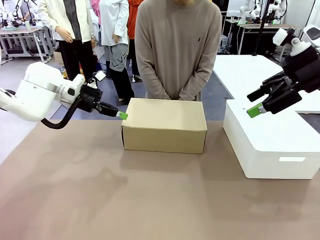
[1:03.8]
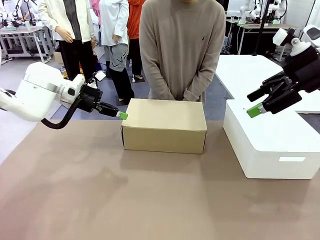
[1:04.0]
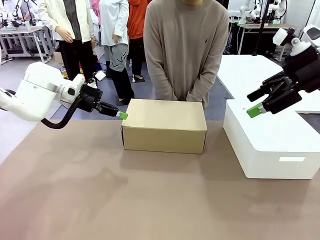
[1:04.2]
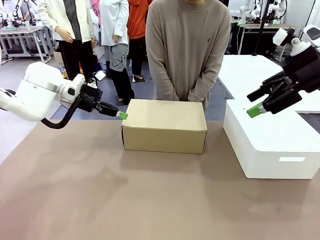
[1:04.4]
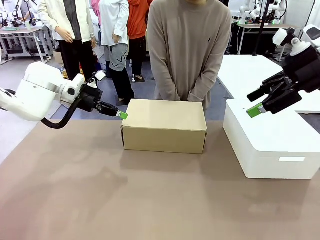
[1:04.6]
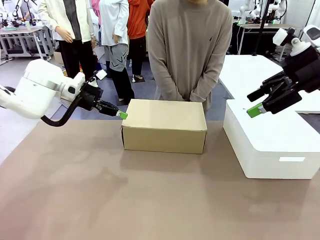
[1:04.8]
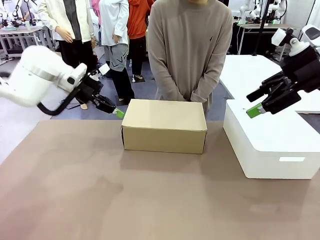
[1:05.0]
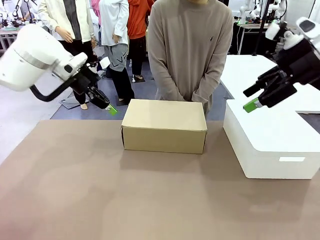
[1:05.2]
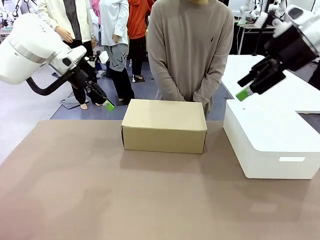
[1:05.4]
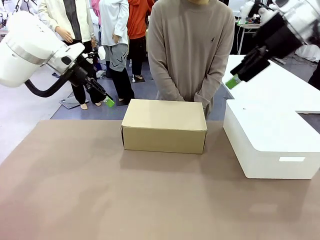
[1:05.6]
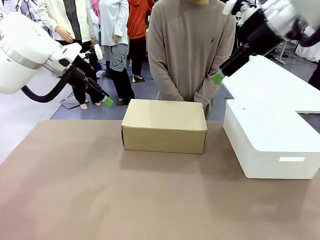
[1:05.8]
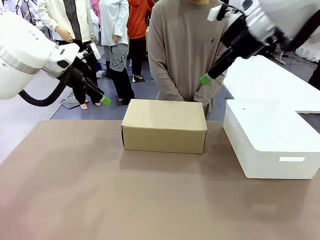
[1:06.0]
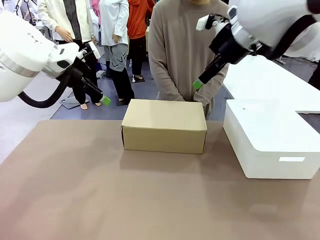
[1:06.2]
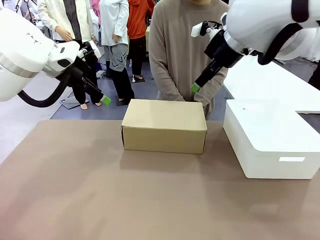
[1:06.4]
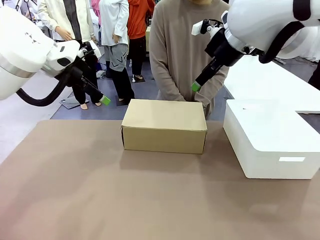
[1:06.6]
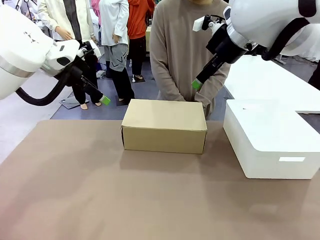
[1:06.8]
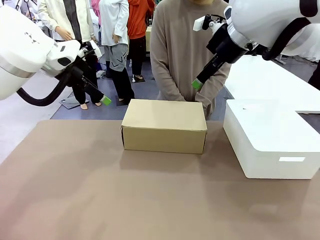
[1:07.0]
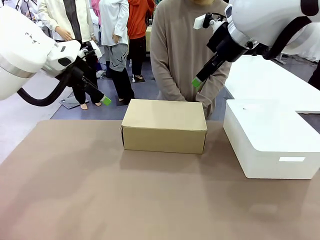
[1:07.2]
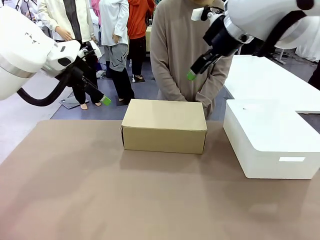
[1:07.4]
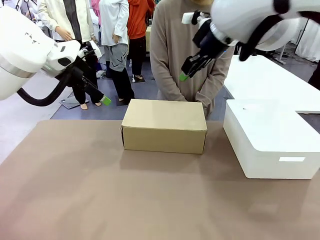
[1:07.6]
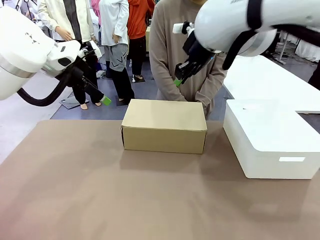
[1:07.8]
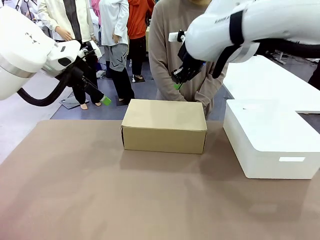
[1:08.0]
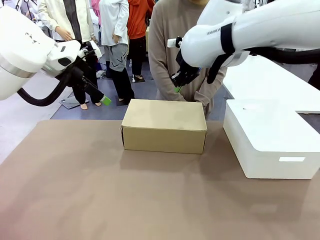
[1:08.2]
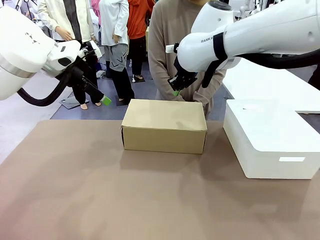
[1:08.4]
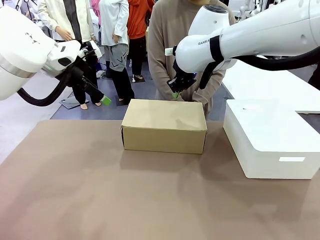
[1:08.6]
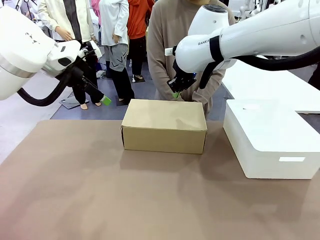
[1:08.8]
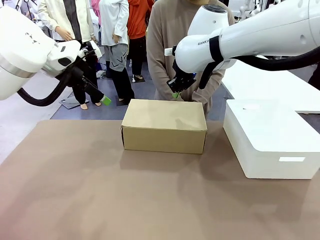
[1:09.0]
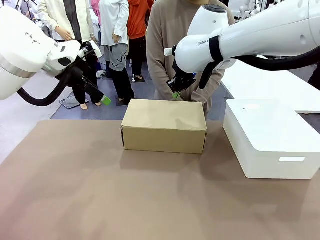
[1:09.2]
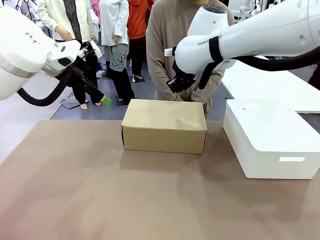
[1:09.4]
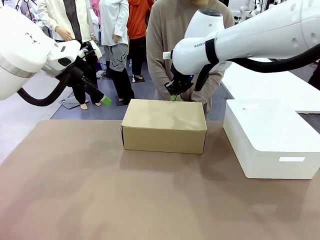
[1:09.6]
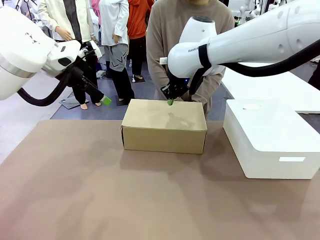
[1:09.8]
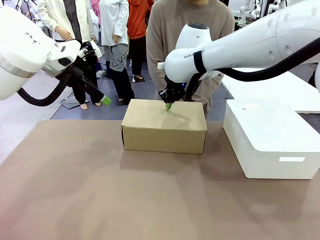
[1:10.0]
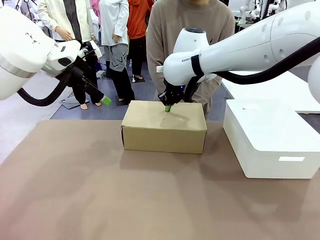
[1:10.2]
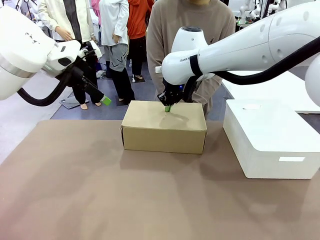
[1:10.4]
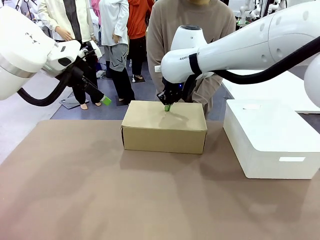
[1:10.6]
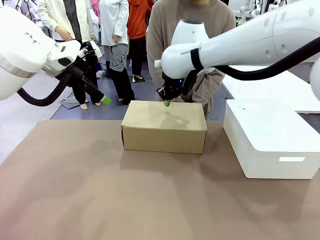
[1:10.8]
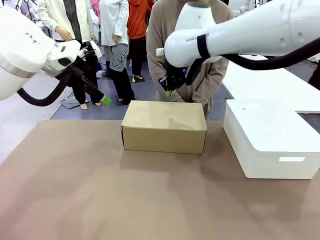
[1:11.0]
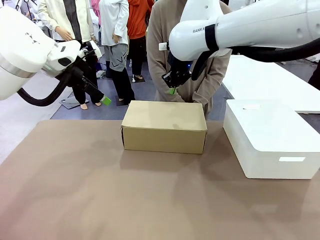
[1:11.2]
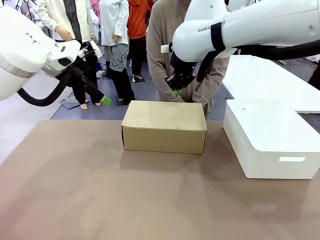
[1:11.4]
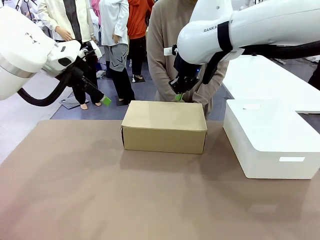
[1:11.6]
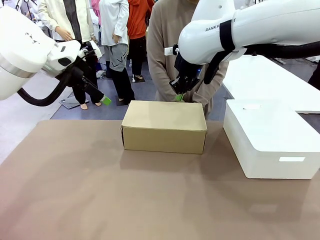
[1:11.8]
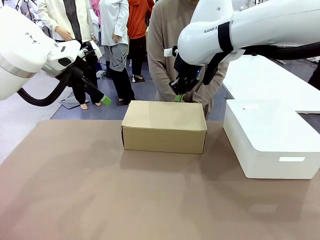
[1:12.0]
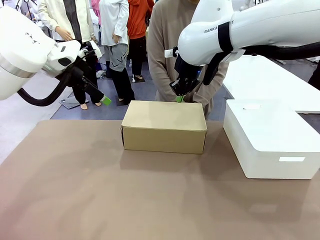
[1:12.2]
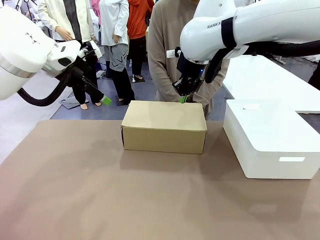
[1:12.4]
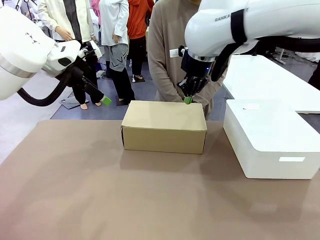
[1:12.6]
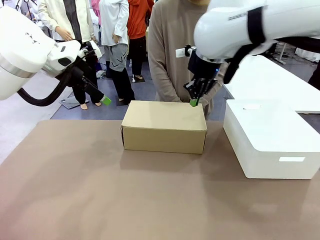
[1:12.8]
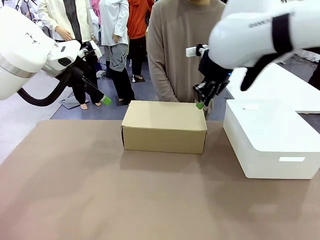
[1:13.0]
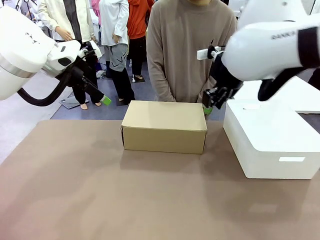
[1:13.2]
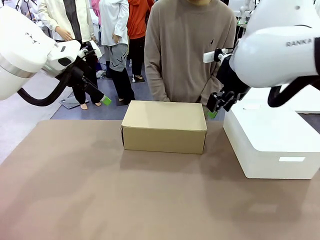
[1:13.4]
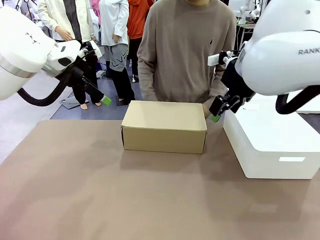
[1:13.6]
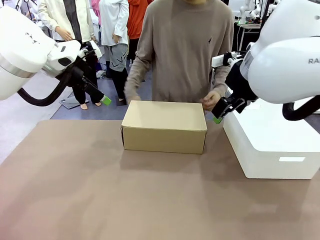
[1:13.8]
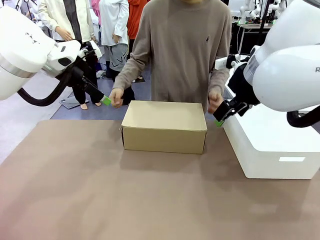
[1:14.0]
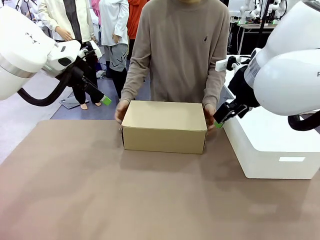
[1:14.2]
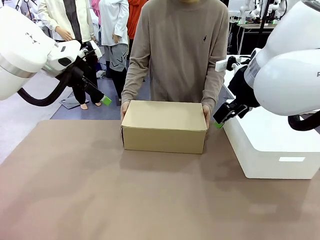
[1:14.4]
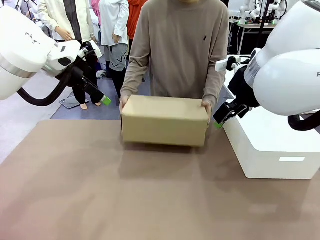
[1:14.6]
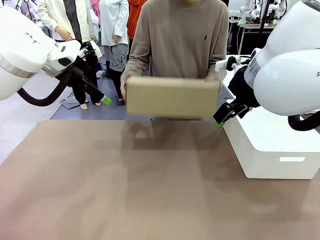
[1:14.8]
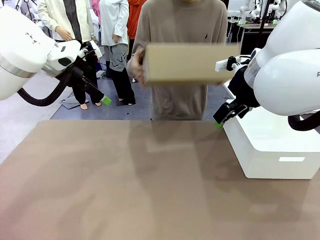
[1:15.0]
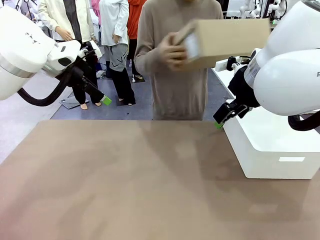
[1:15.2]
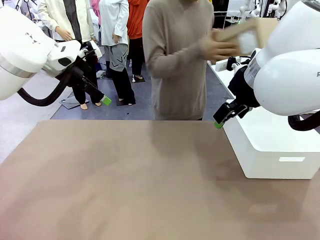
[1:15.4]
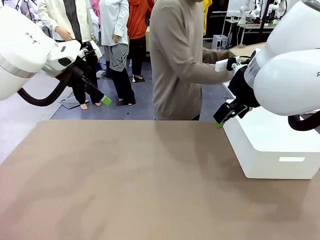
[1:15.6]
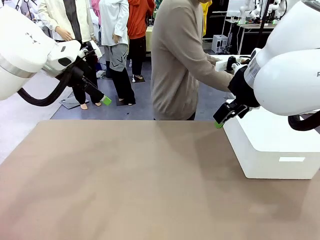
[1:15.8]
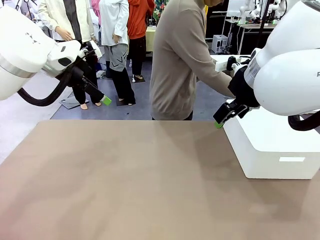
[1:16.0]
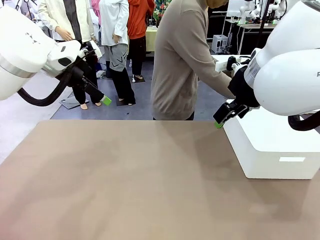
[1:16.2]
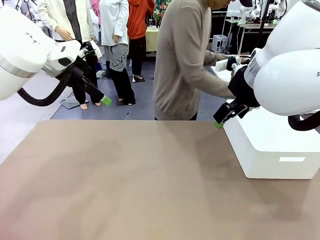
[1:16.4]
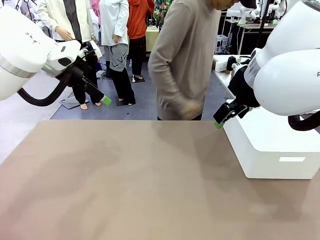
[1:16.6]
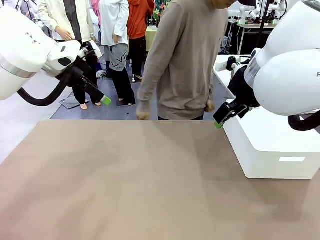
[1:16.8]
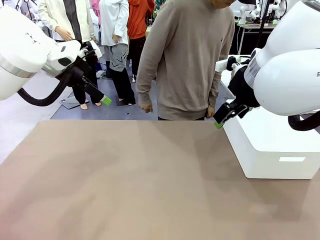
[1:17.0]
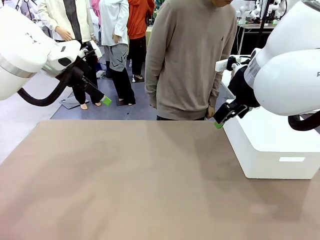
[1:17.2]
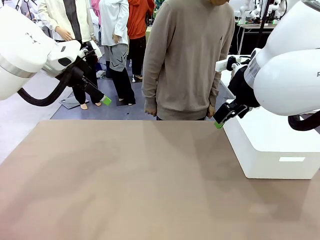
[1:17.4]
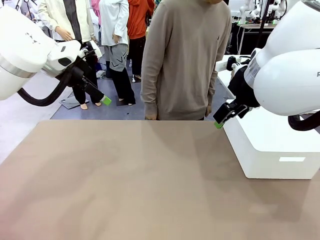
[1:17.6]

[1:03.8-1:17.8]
Task: Pack the shoes into the box.
Robot: Press down on the lid of the Shoes Box.
Person: Place the closed Shoes Box to the right side of the human table.
